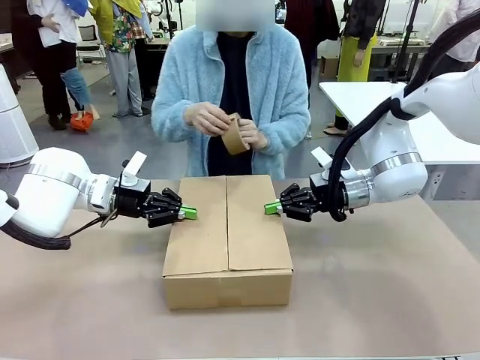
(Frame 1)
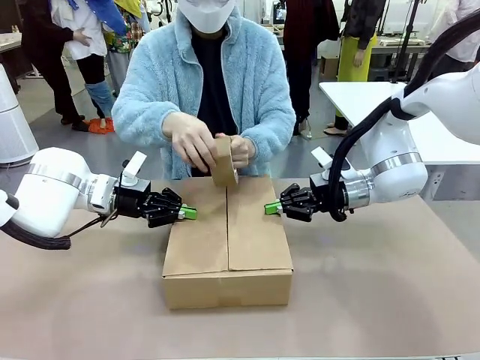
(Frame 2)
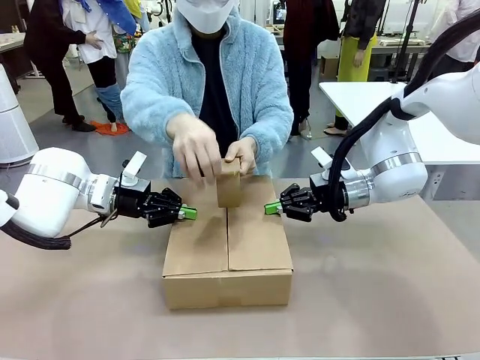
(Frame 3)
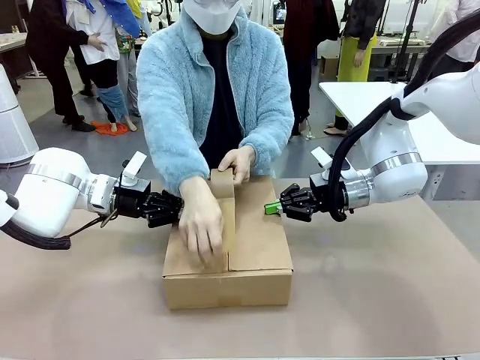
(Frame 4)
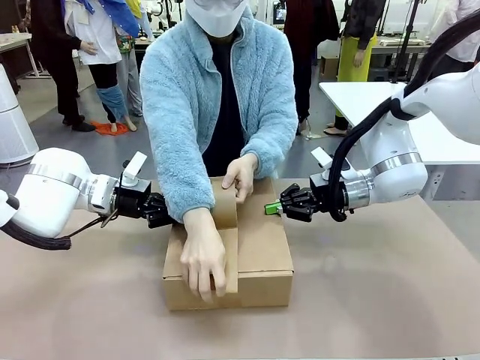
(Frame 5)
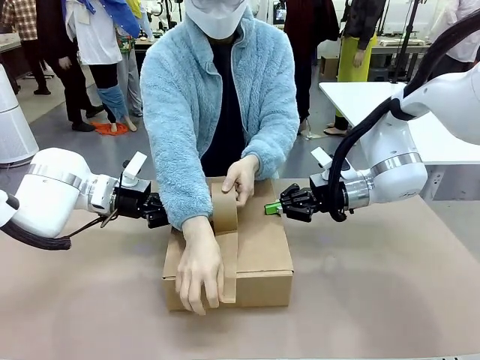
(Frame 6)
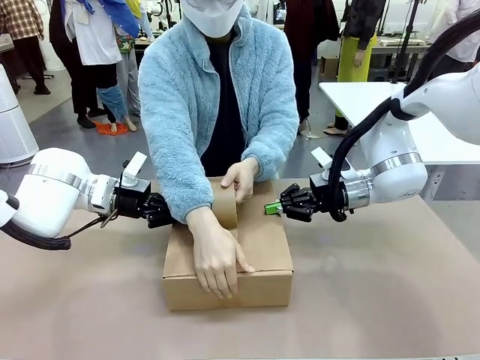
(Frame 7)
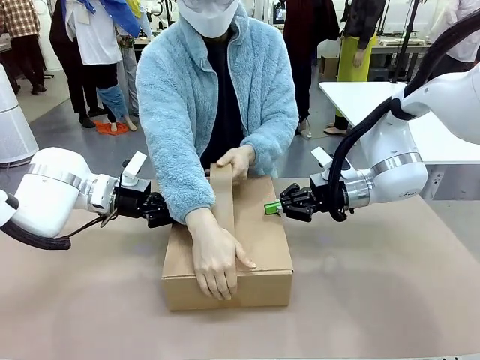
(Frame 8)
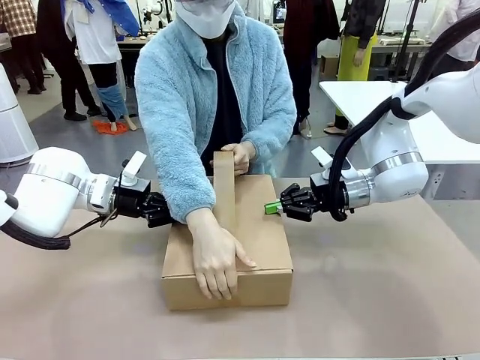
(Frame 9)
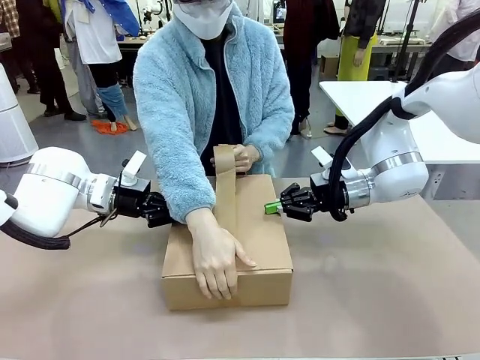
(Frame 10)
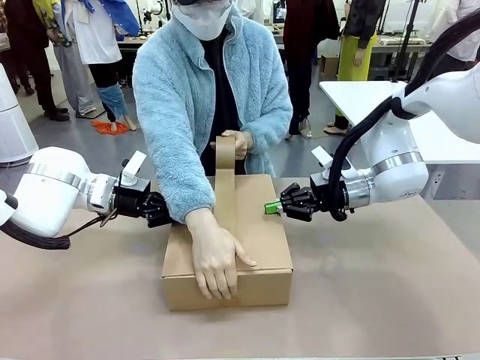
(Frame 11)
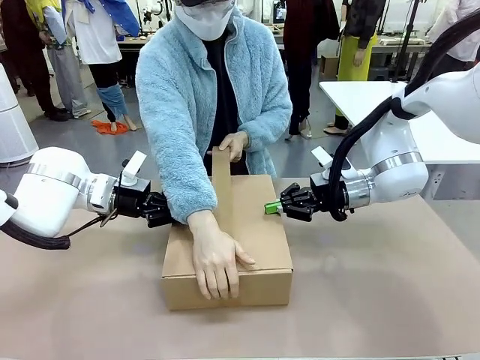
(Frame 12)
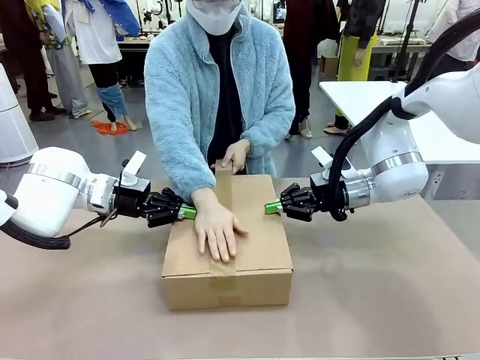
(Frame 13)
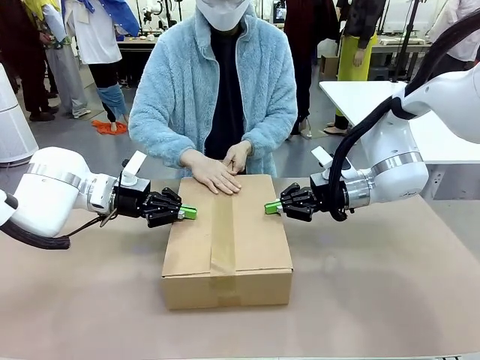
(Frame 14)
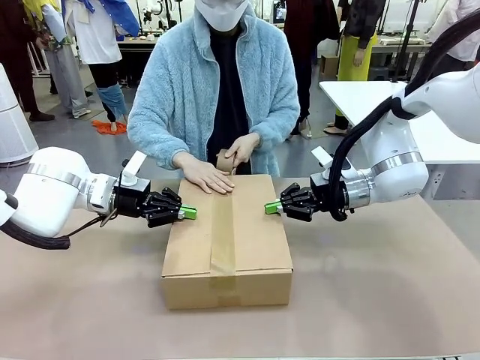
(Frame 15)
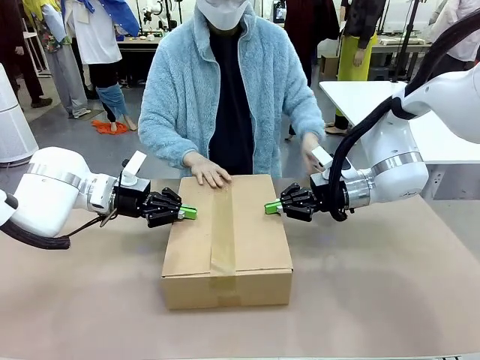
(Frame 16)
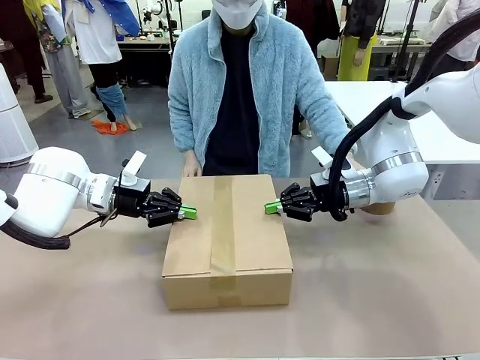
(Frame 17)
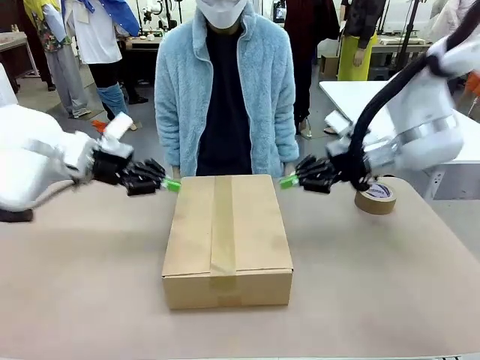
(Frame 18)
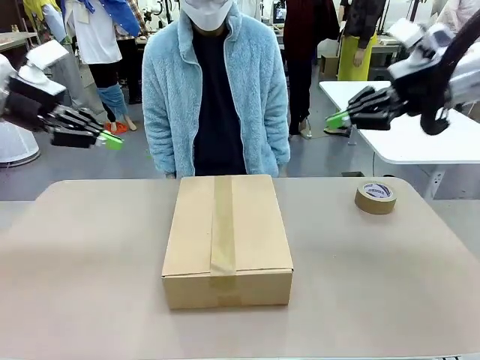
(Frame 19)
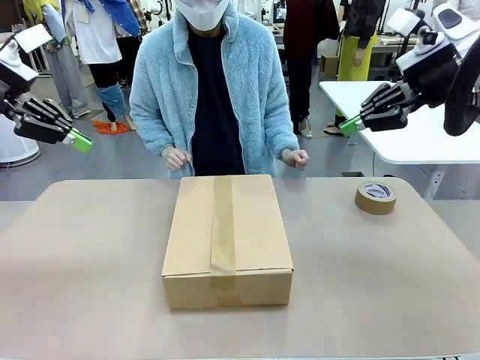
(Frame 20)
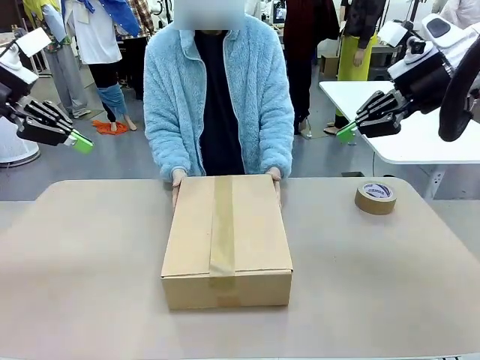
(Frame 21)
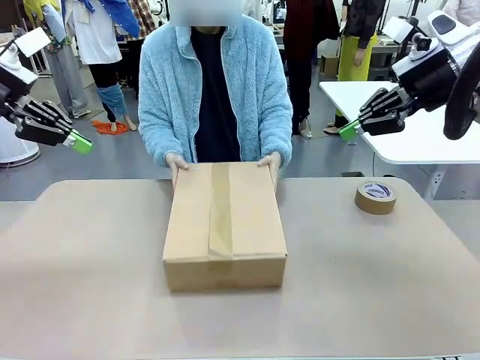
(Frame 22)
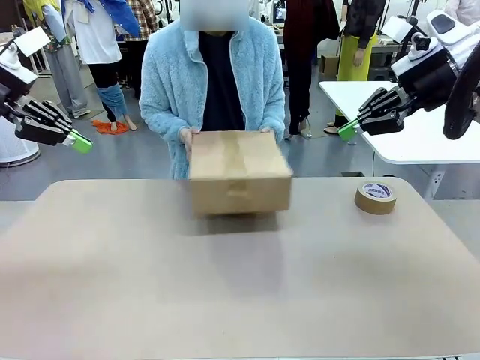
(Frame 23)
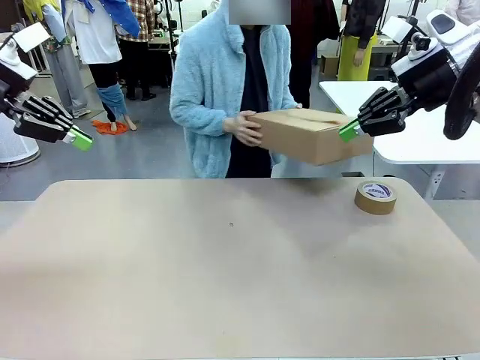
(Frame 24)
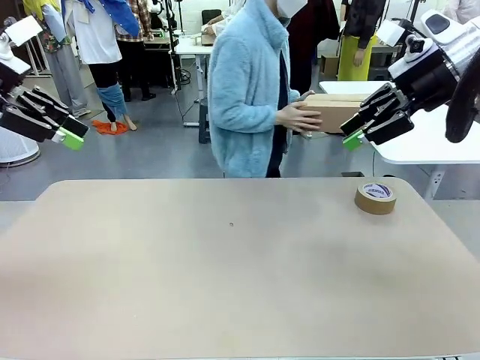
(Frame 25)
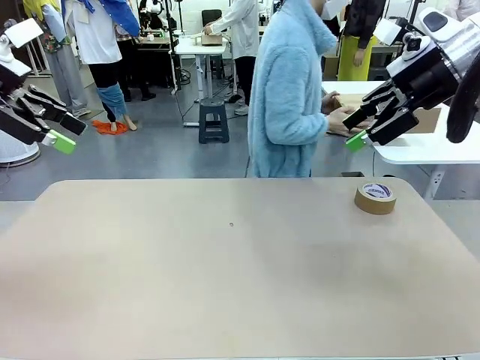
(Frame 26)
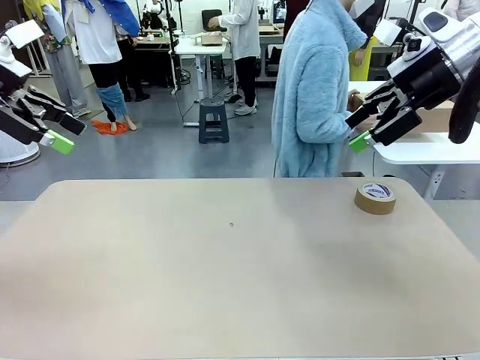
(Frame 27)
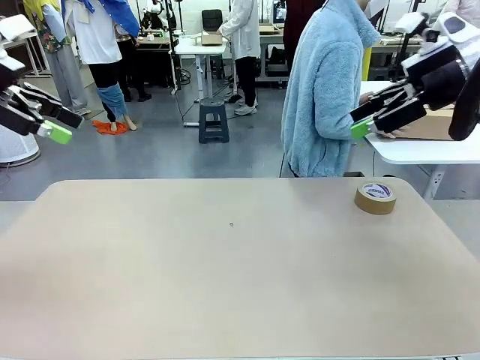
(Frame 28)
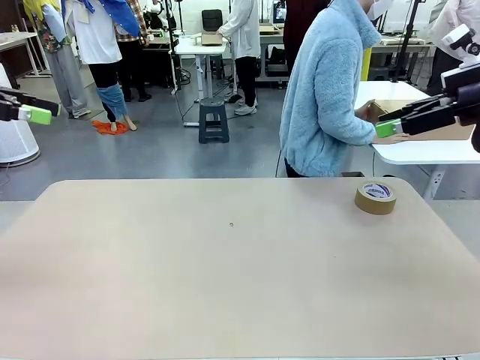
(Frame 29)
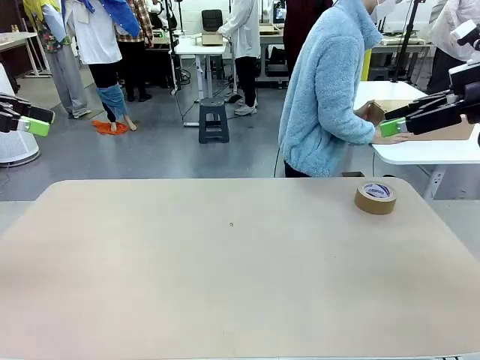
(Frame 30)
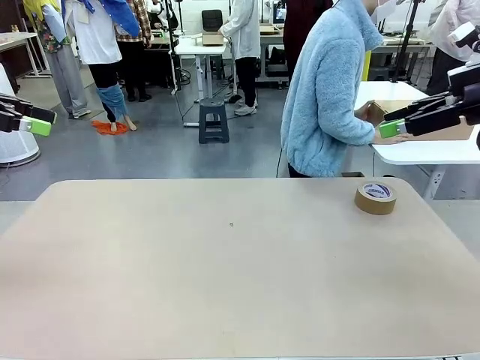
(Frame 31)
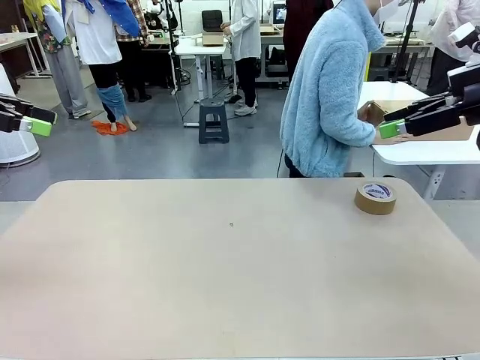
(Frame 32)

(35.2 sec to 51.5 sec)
Task: Wrap the clocks to prevent damage.
Robot: After the human seals the box with tape, release both hands from the side flaps of the Package Box.
Person: Once the robot closes the left flap of the Package Box , seal the box with Paper Tape. Place sealed Package Box in the middle of the human's table.

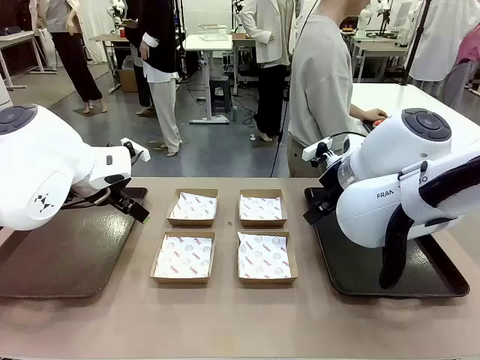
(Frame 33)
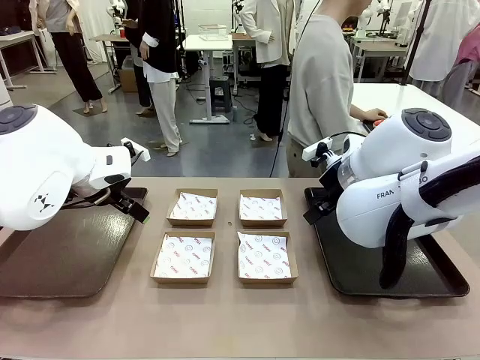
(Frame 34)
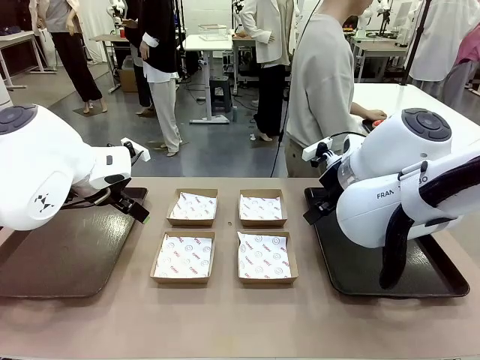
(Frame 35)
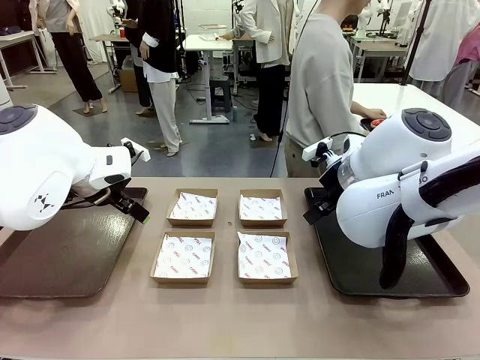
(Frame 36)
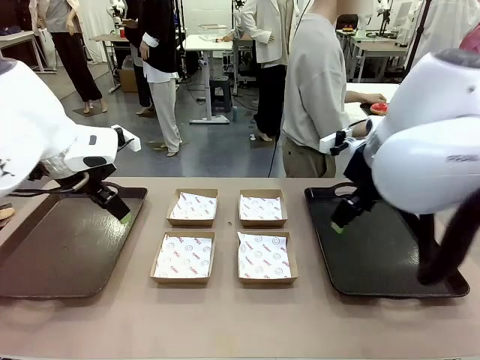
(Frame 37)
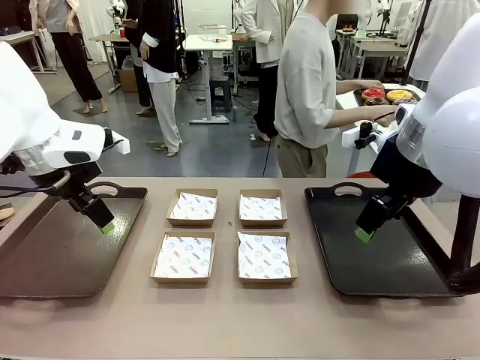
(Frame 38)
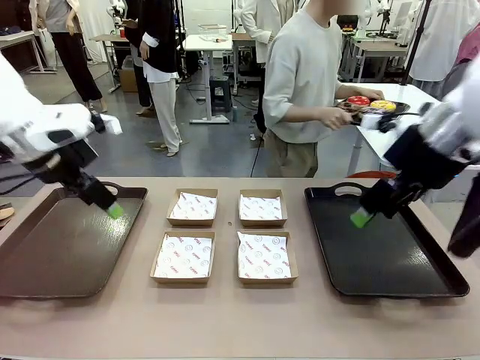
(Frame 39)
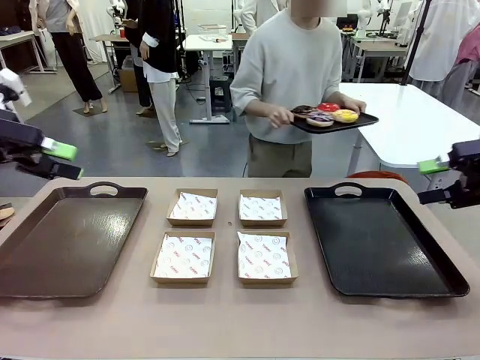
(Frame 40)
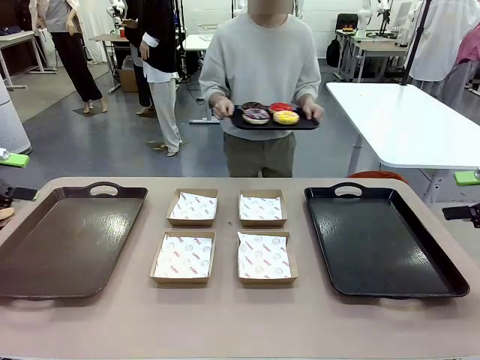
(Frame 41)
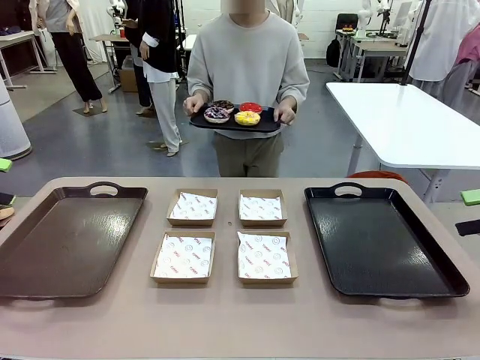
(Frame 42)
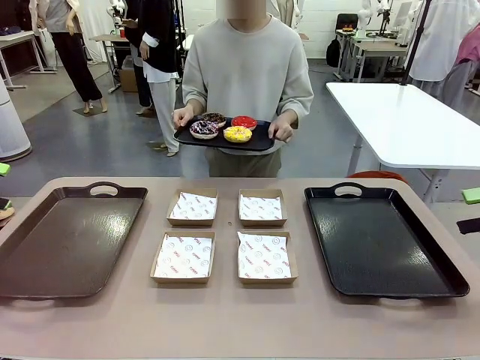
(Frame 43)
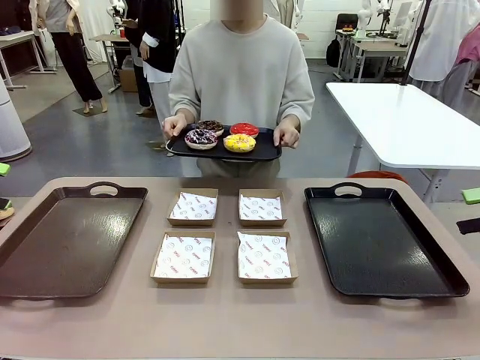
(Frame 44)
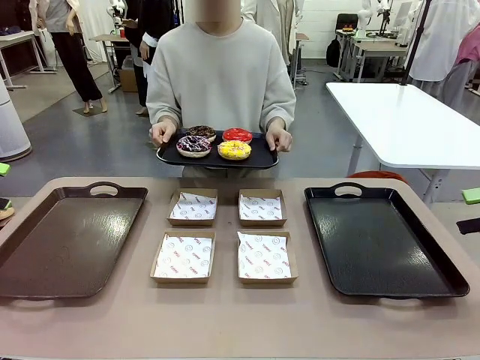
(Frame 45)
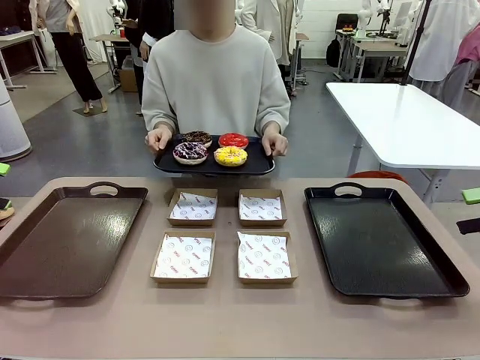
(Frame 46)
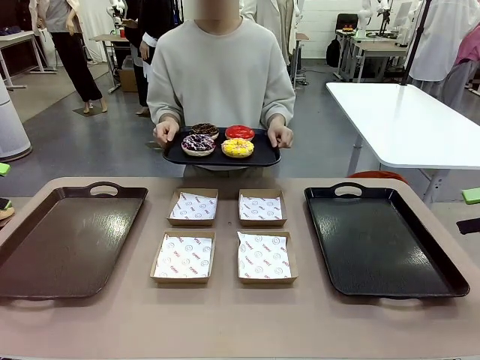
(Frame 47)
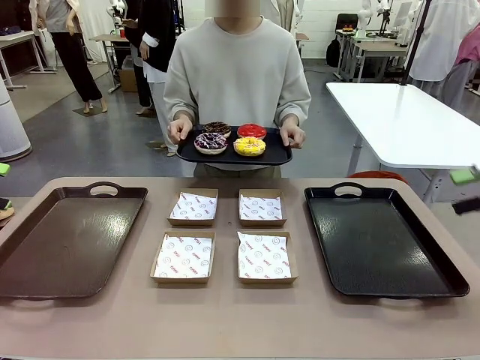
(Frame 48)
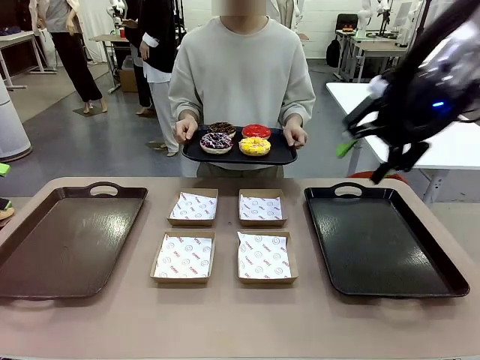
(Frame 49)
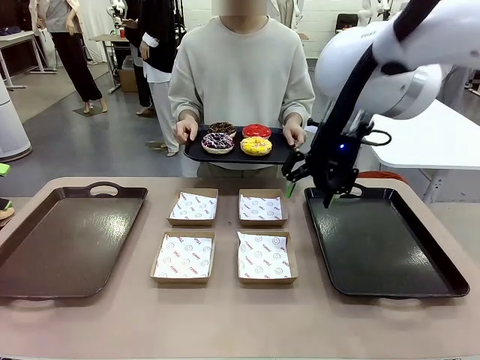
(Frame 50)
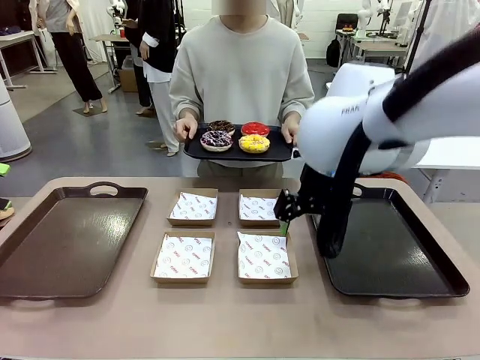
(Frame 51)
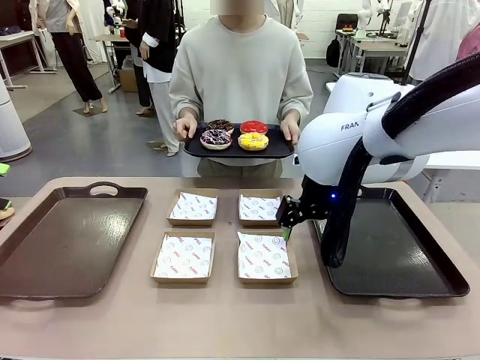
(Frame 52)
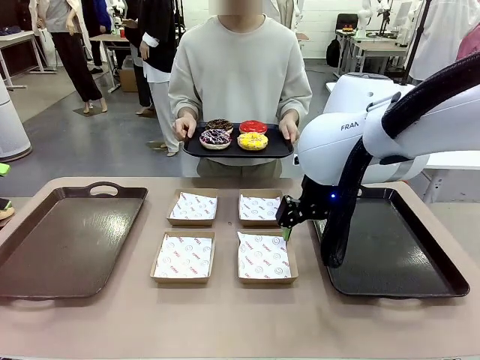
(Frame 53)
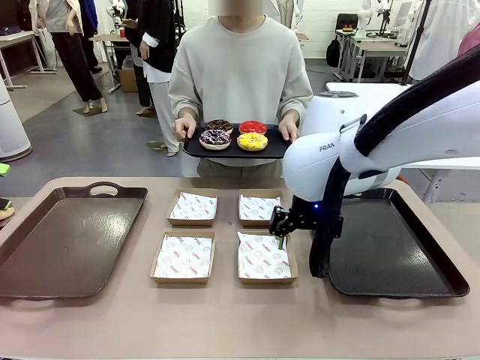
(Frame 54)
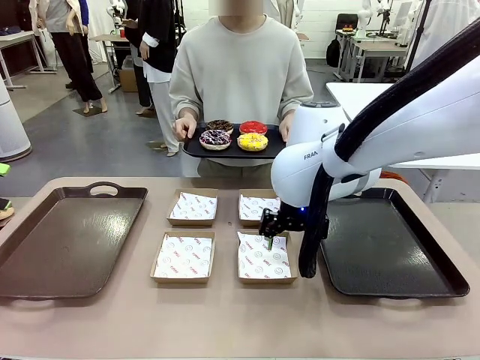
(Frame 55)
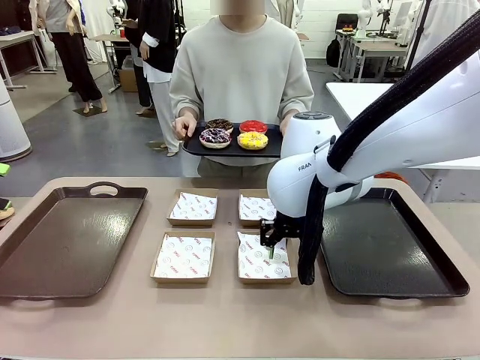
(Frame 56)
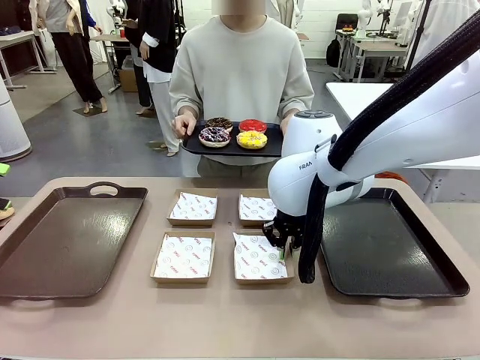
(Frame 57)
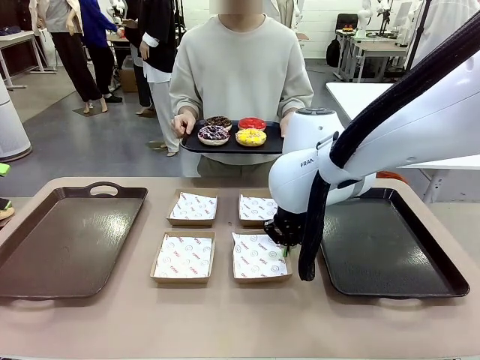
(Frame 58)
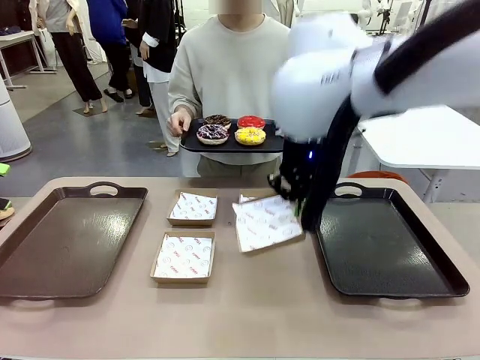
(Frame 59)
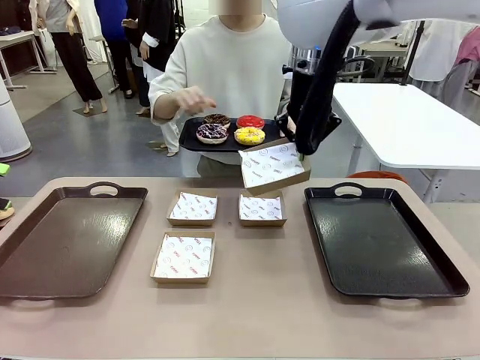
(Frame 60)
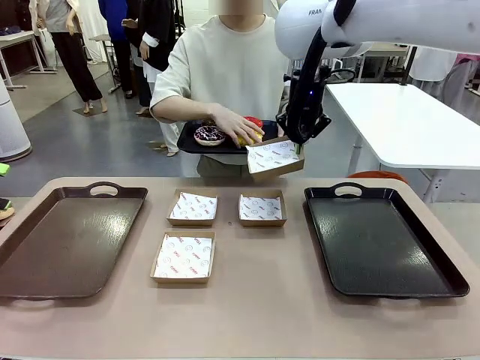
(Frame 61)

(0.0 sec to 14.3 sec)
Task: Individually package the donuts and arrange them on the tray.
Robot: Pick up one Paper togo box.
Person: Stand in front of the robot table holding the tray containing the donuts.
